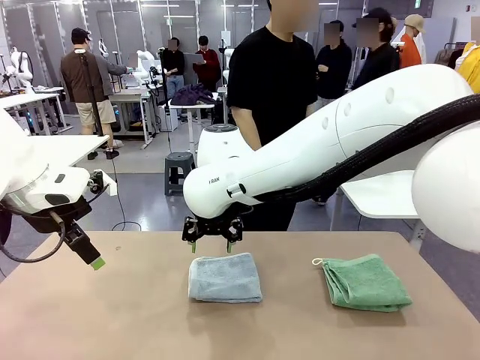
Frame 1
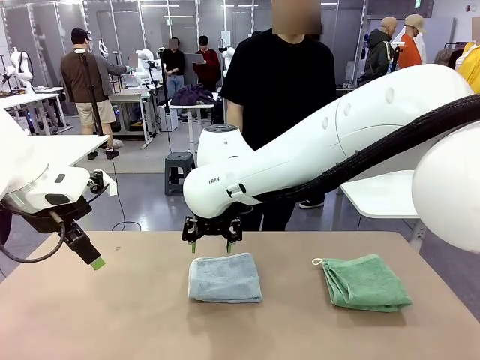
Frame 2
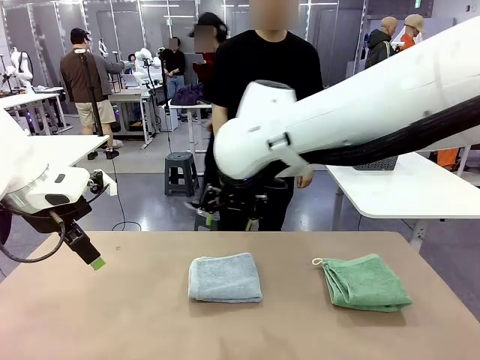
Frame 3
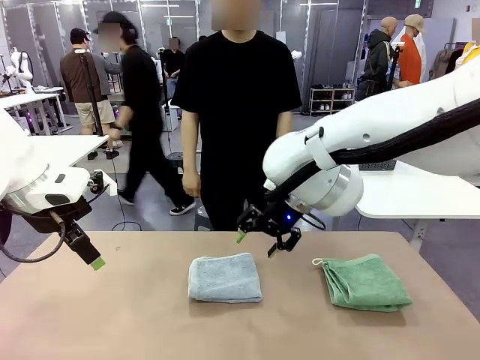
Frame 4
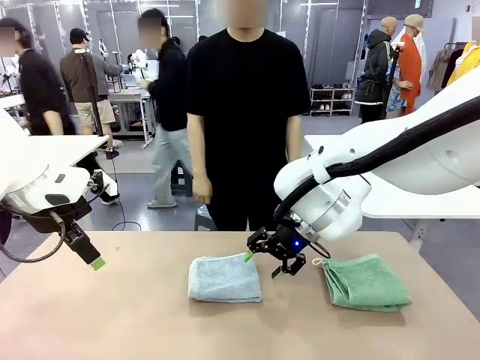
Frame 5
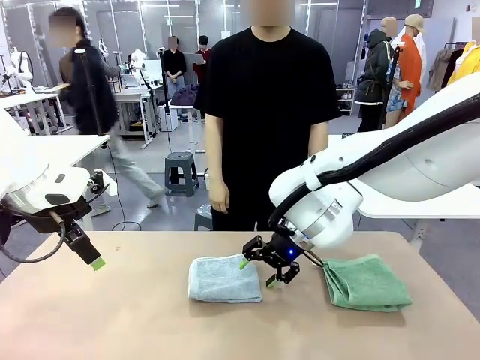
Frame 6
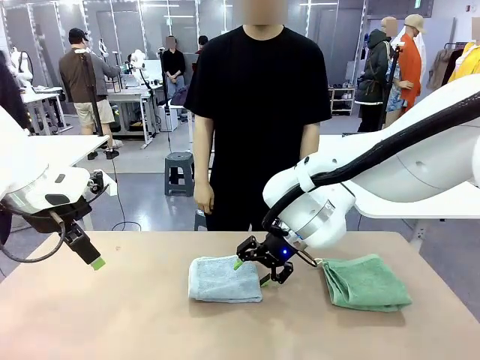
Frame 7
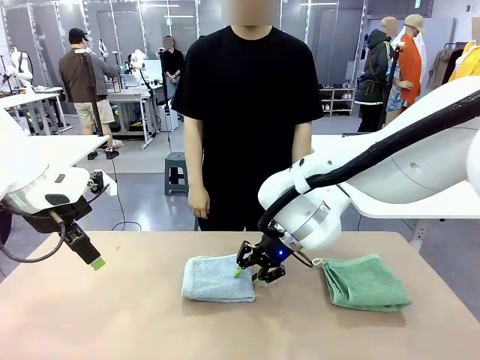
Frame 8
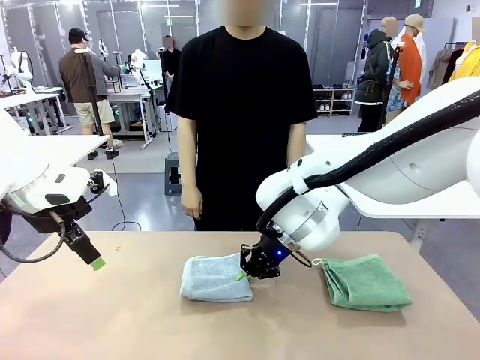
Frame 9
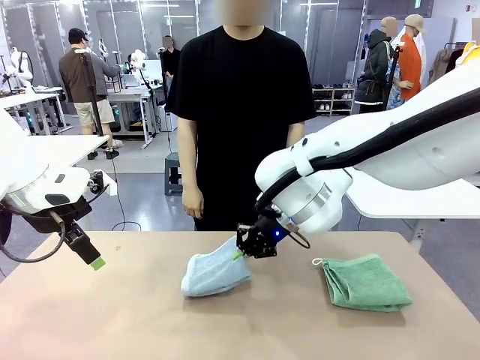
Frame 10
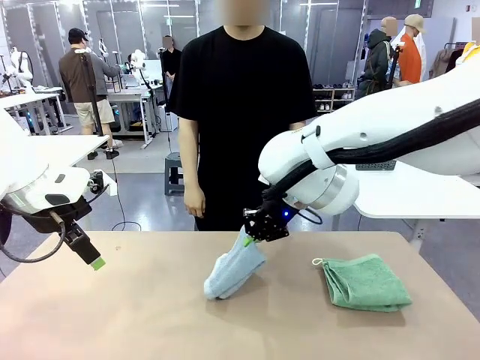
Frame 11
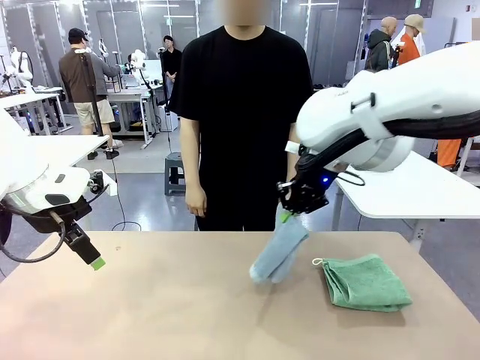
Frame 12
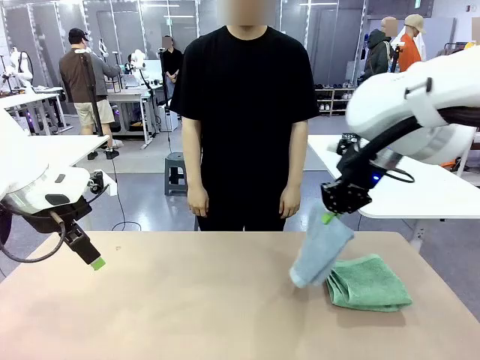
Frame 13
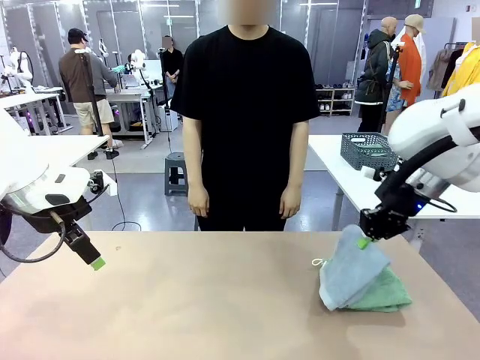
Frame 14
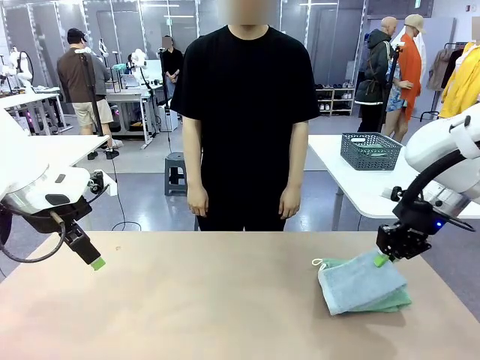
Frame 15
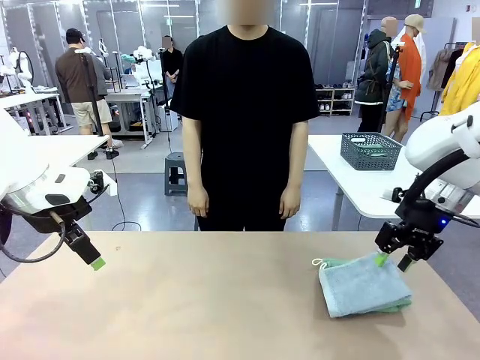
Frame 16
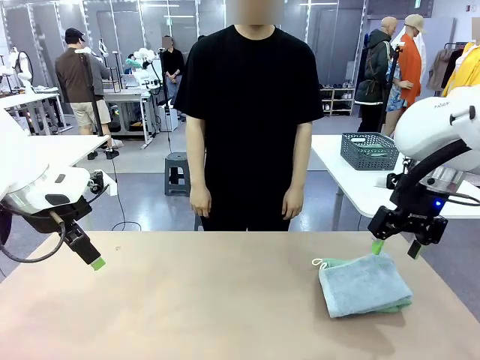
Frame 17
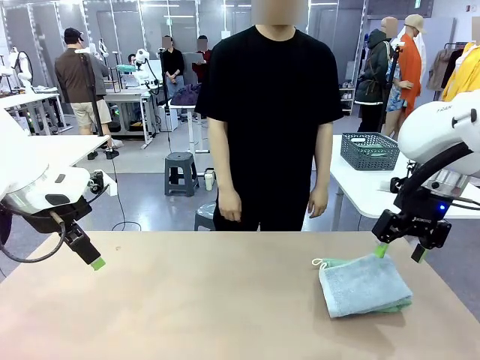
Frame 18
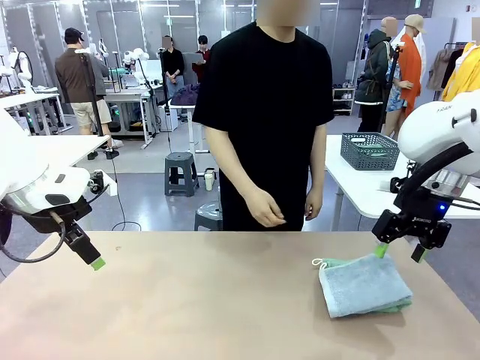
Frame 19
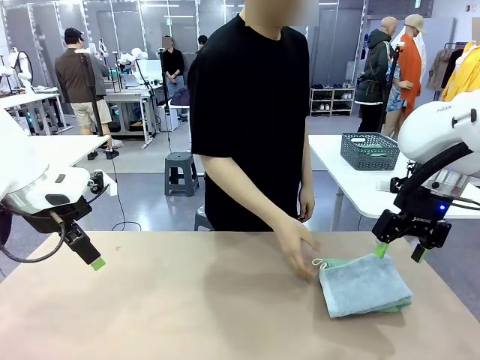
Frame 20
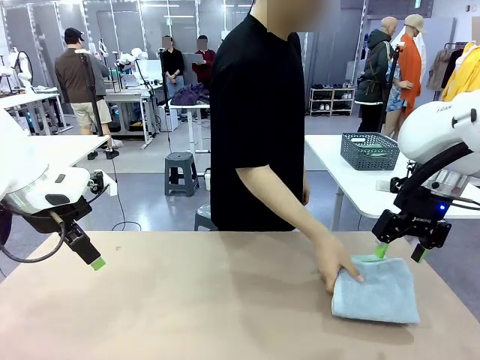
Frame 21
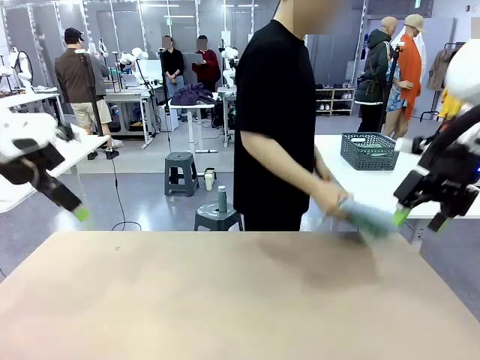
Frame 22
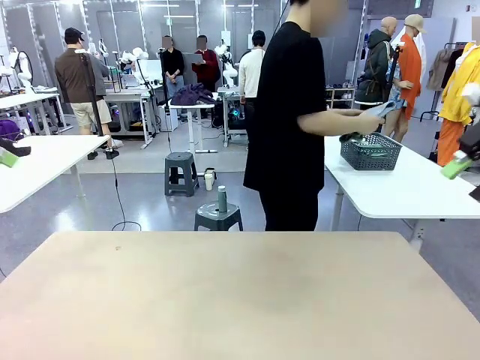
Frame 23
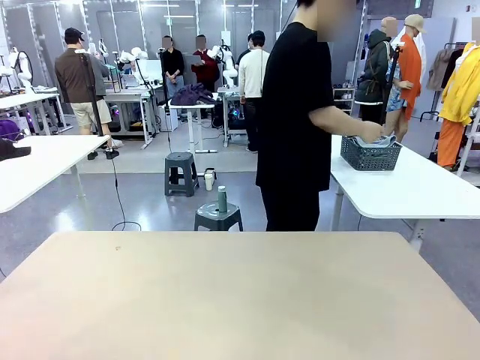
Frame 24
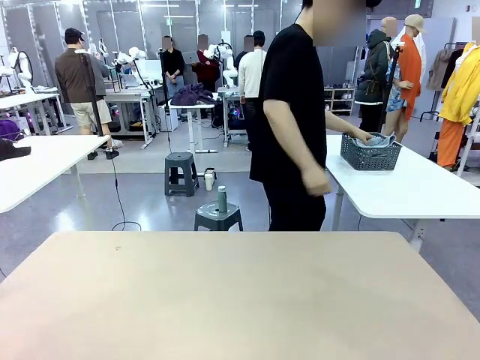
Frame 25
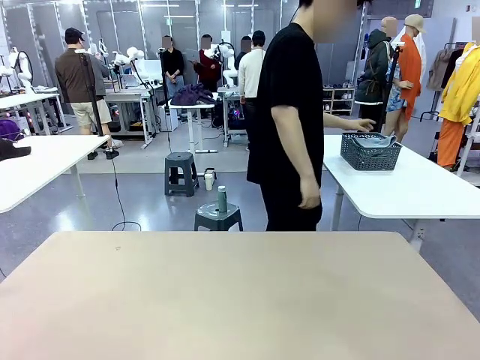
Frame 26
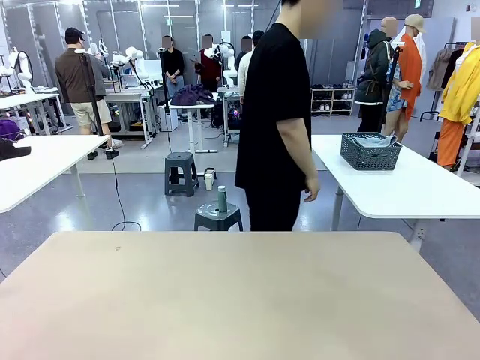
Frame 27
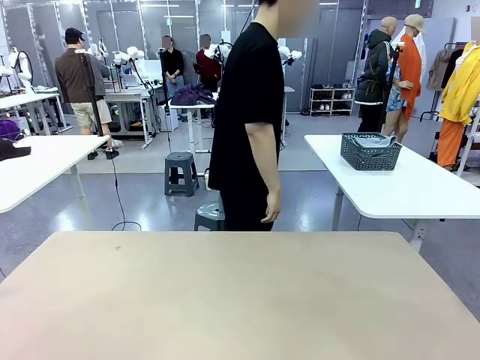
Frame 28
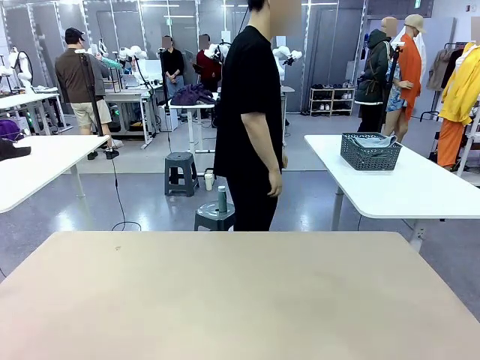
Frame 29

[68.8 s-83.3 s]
Task: Fold the towels and place them in the basket.
Robot: Stack the folded Towel with hook on the right side of the table.
Person: Pick up the stack of towels from the robot table and place it into the basket.

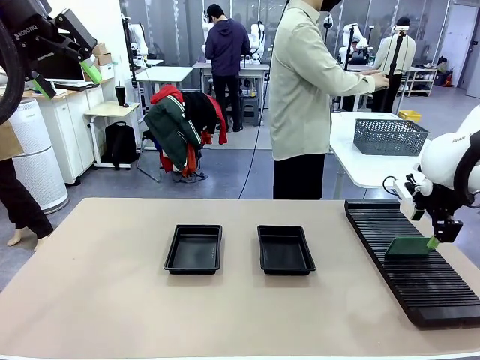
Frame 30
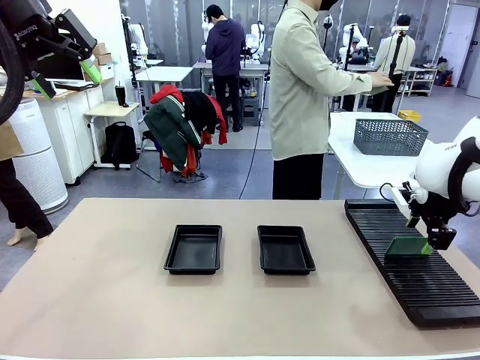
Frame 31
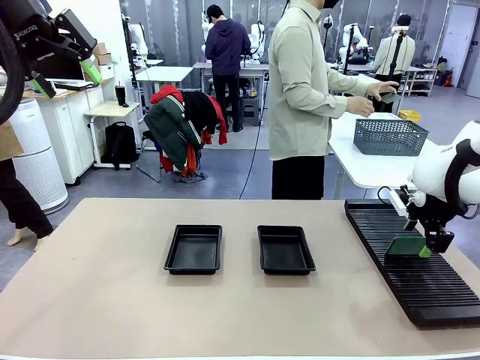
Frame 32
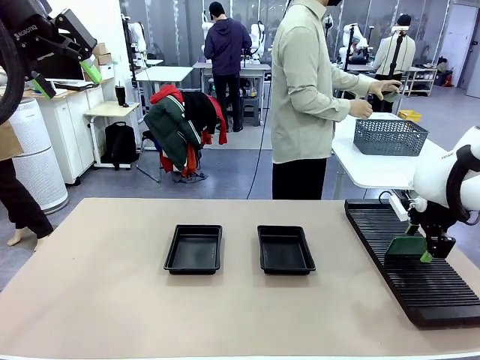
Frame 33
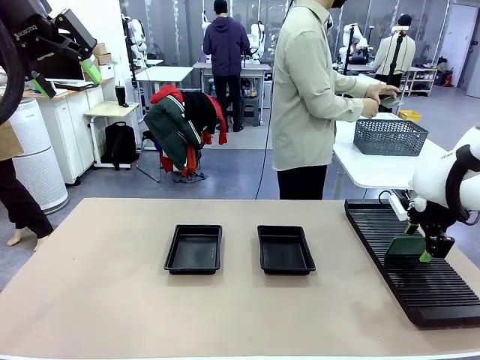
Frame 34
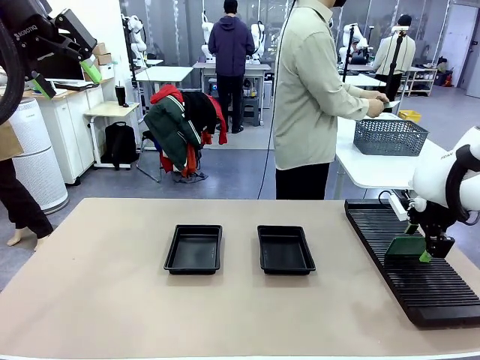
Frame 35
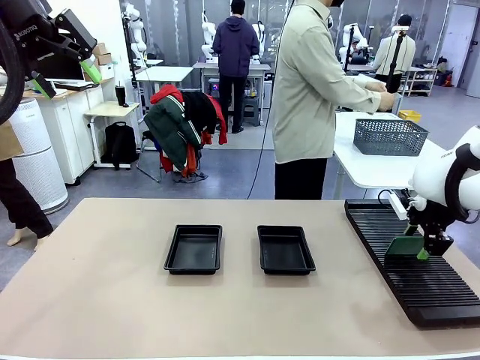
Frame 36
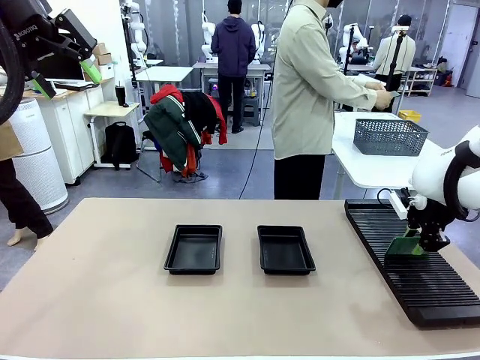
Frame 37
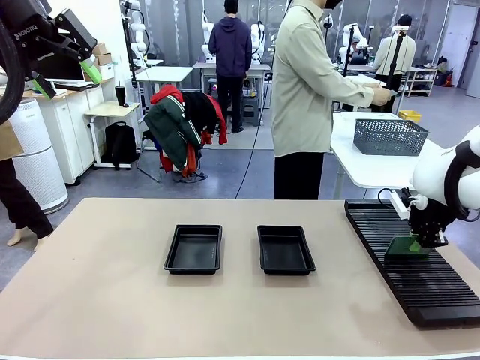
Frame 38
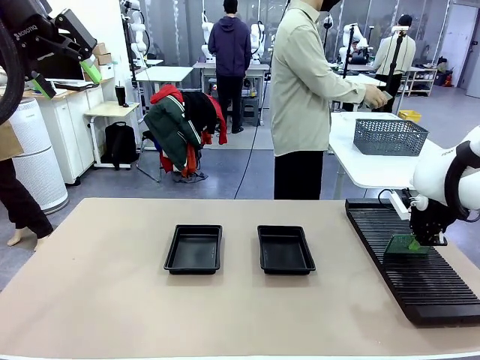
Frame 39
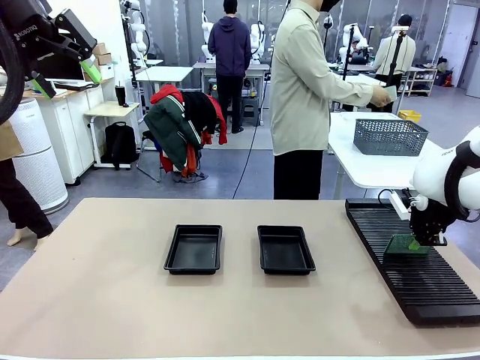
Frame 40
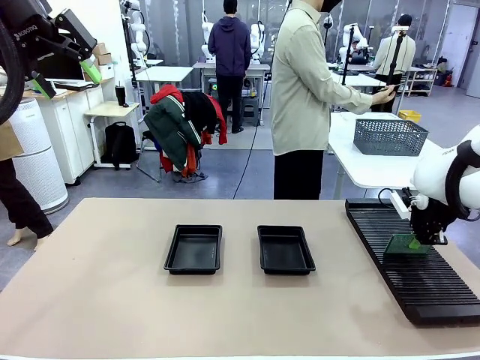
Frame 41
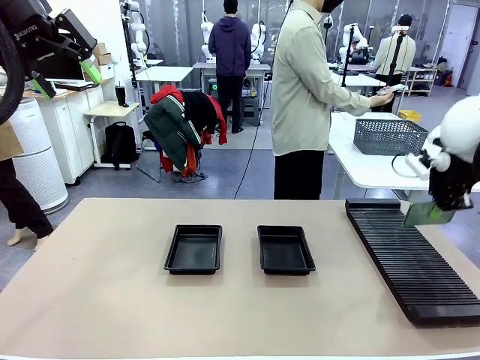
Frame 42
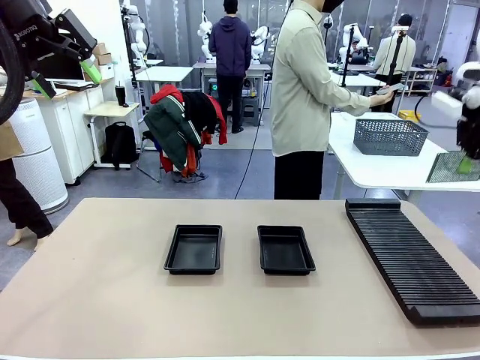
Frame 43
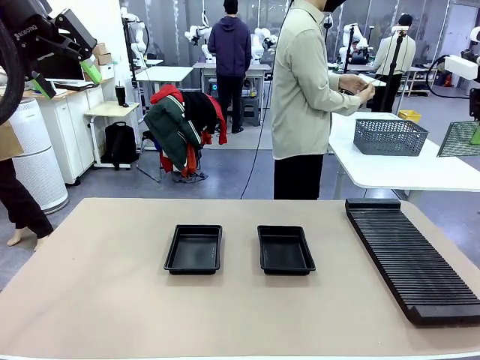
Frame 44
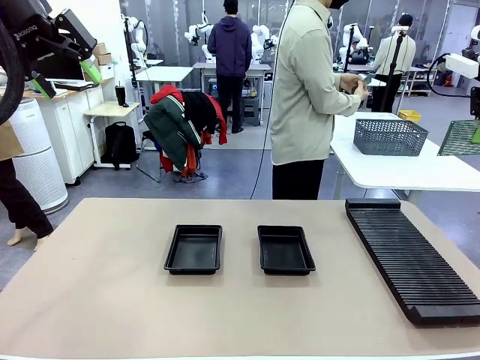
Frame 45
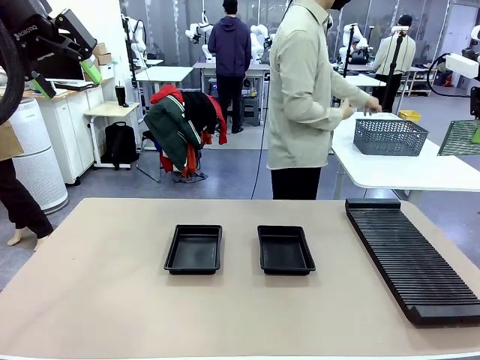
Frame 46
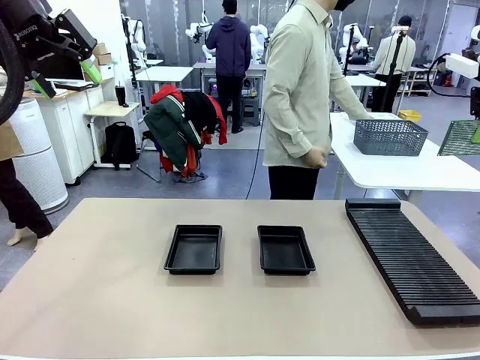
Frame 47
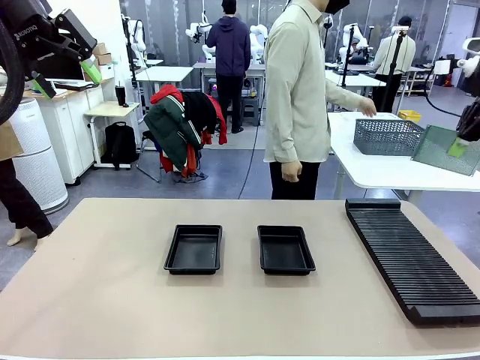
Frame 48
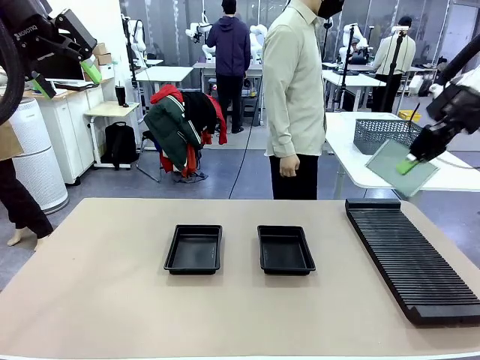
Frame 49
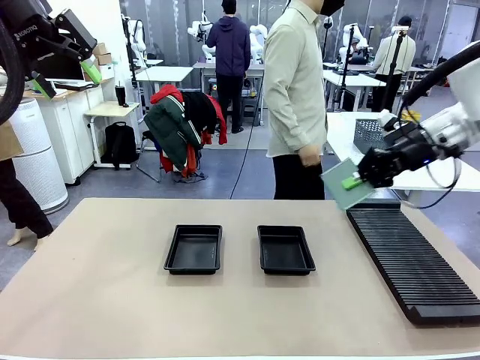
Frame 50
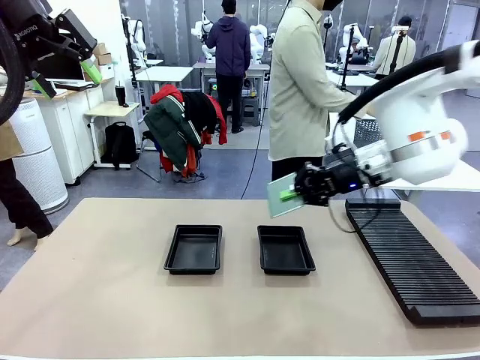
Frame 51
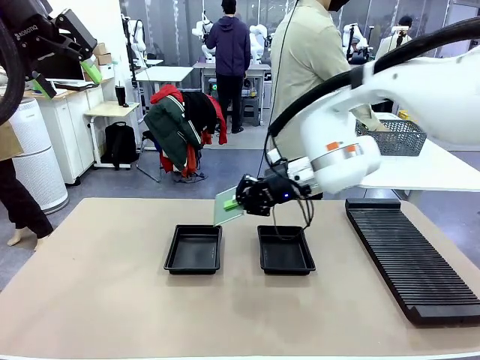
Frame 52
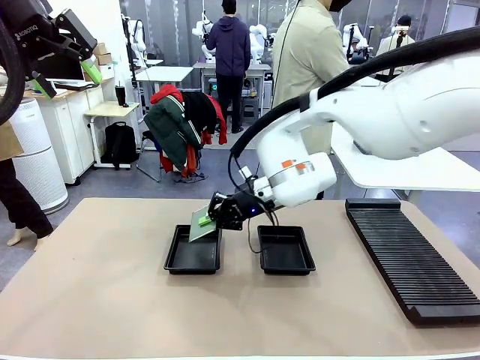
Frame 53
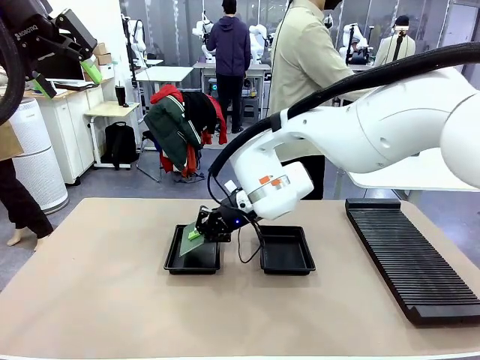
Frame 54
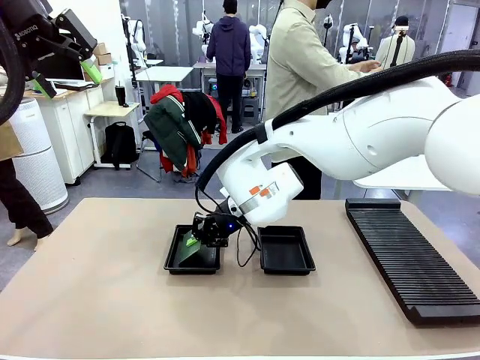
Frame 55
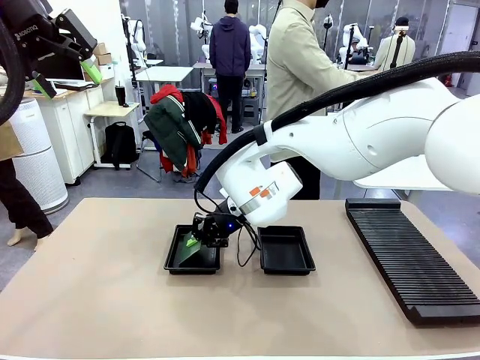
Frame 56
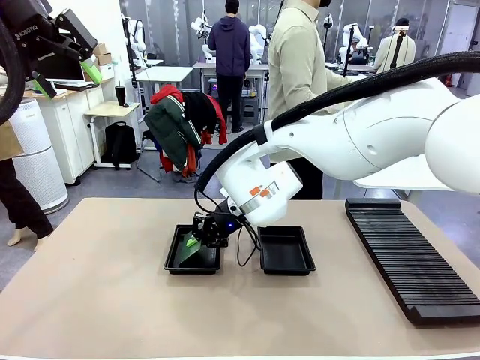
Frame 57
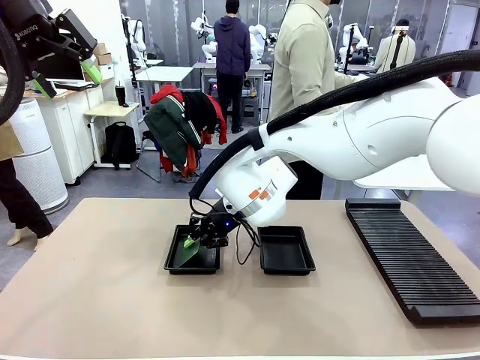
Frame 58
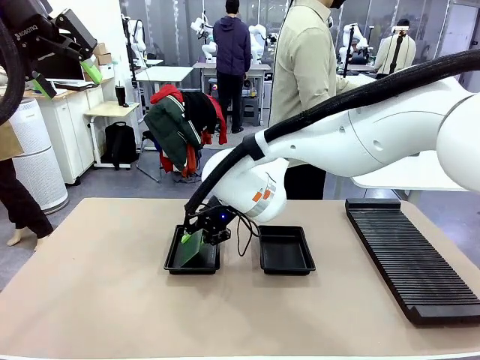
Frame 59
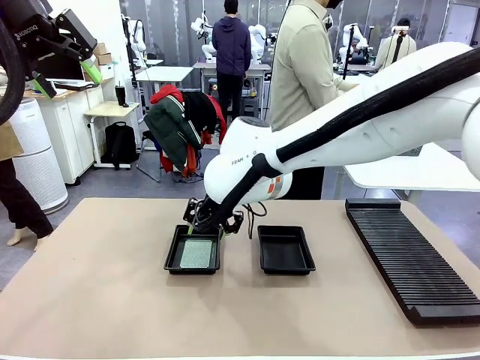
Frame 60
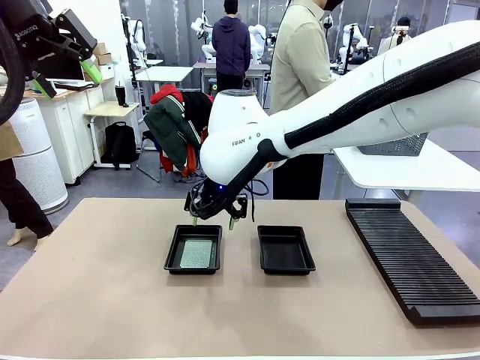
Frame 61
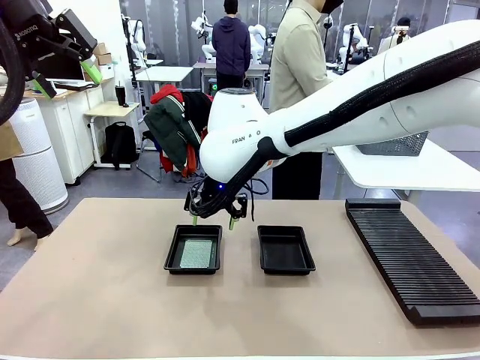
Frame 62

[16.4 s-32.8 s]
Task: Inspect and transfer BCBs to ESD trays.
Robot: Pick up the Blank PCB from the PCB Rack and place it in the left ESD tray.
